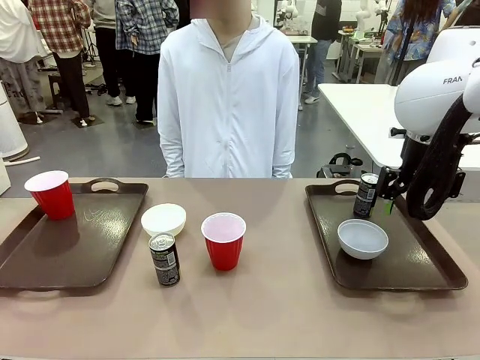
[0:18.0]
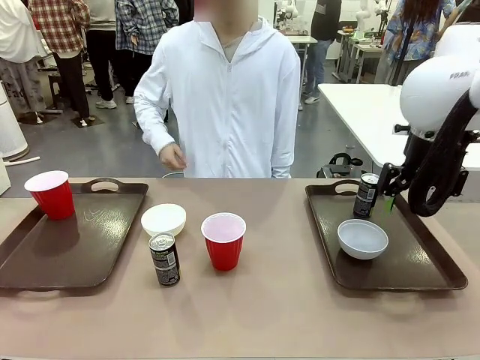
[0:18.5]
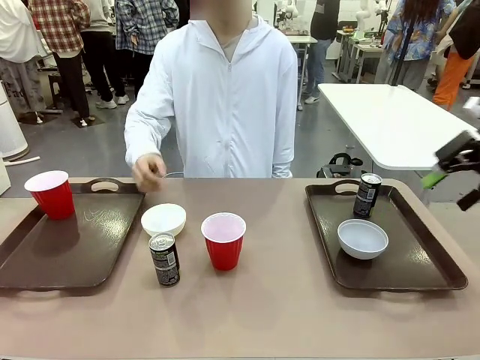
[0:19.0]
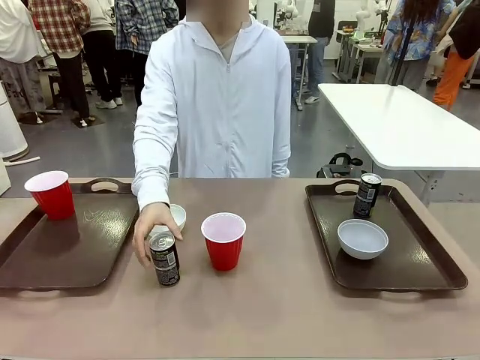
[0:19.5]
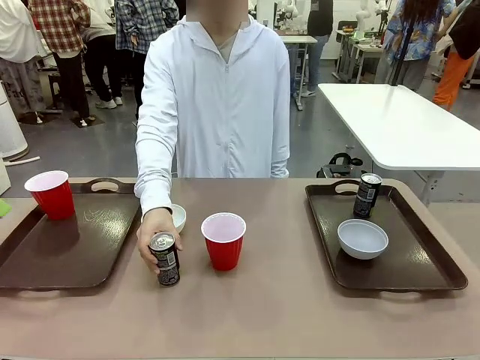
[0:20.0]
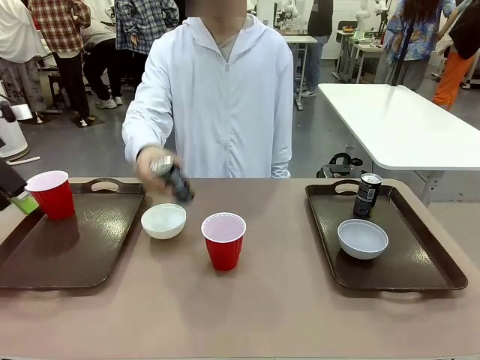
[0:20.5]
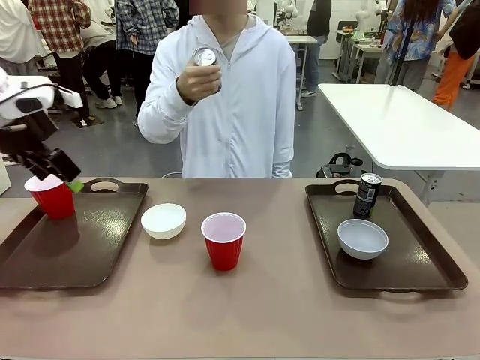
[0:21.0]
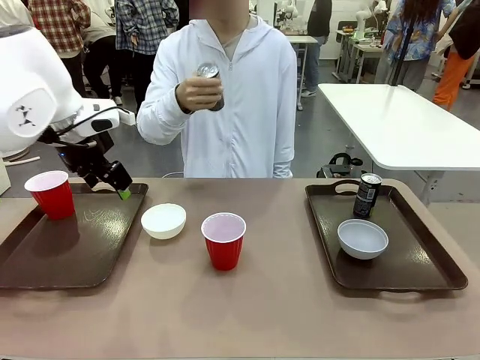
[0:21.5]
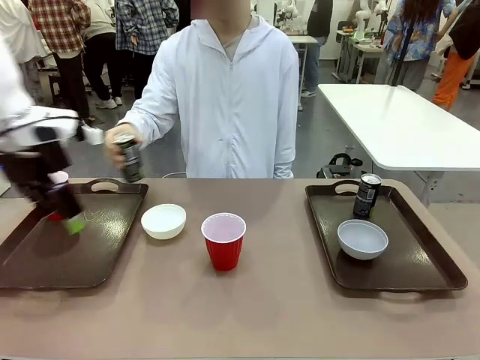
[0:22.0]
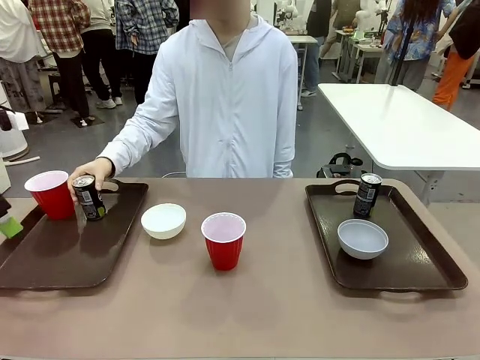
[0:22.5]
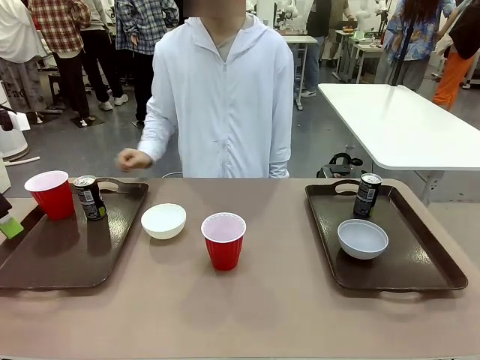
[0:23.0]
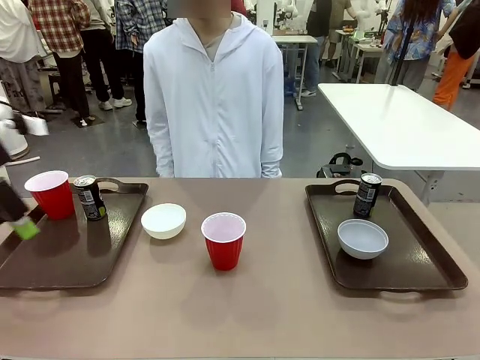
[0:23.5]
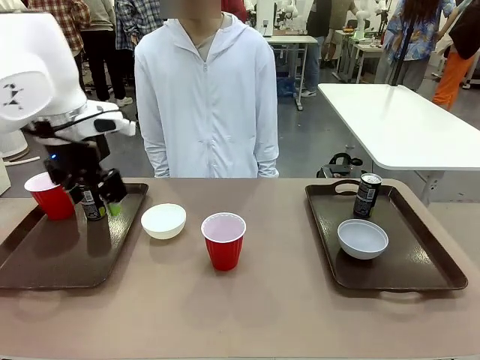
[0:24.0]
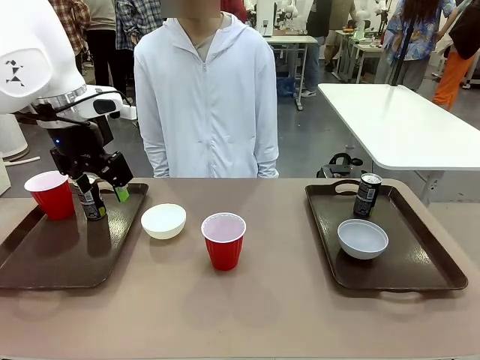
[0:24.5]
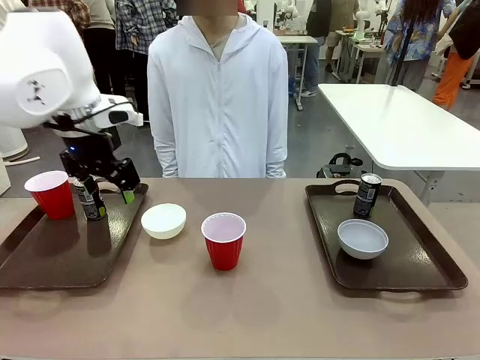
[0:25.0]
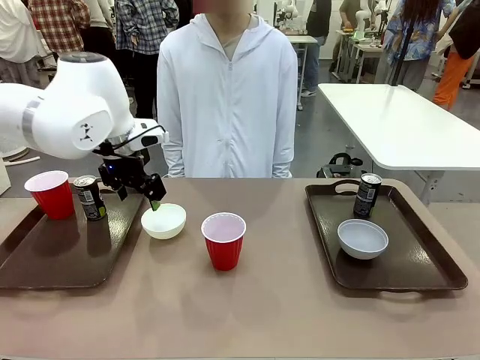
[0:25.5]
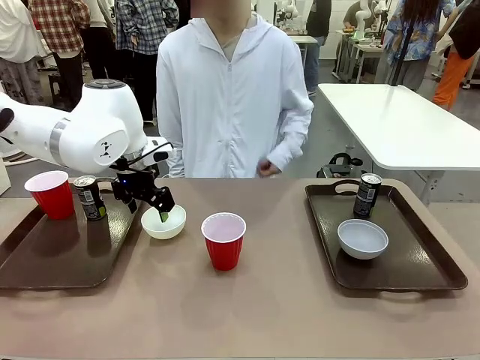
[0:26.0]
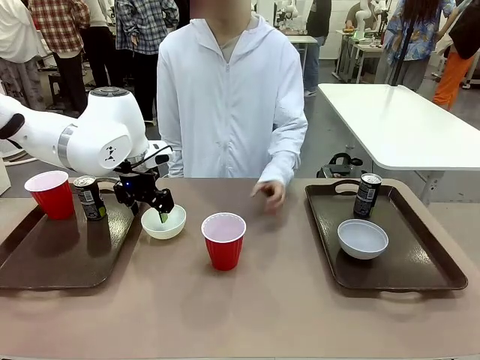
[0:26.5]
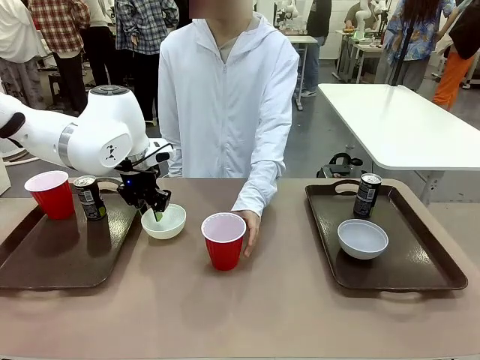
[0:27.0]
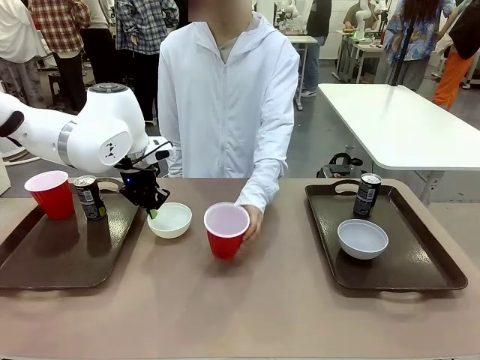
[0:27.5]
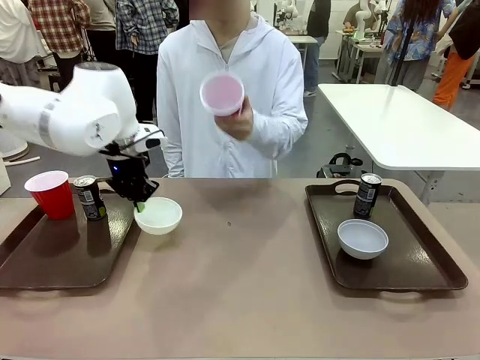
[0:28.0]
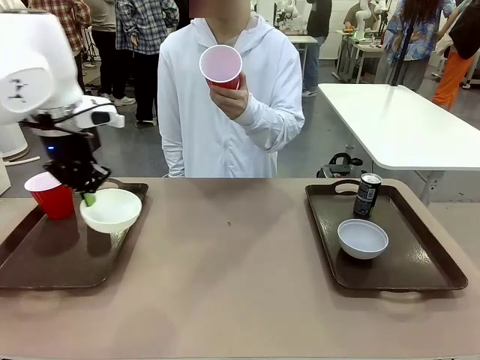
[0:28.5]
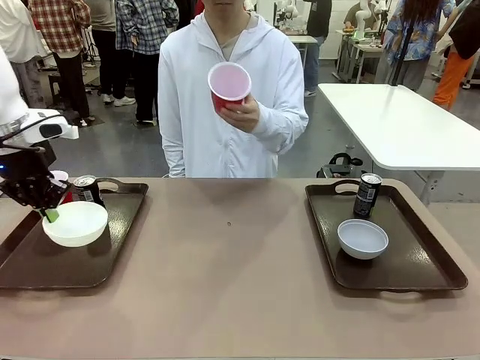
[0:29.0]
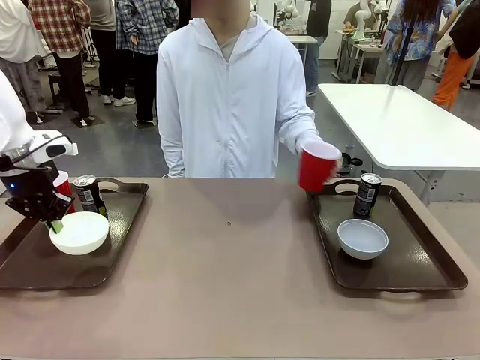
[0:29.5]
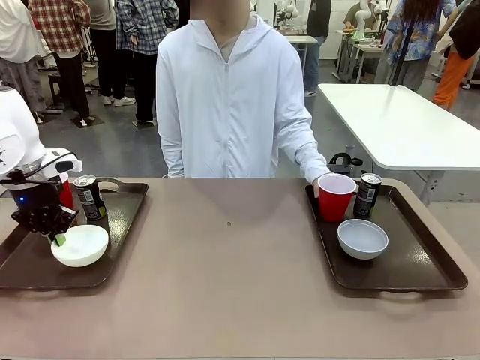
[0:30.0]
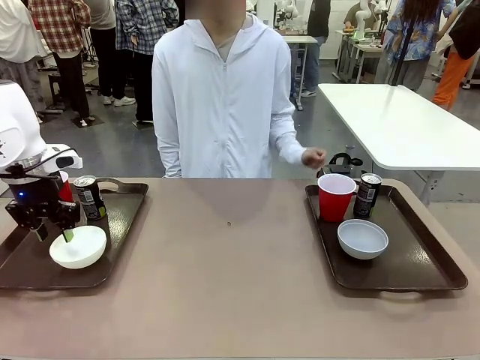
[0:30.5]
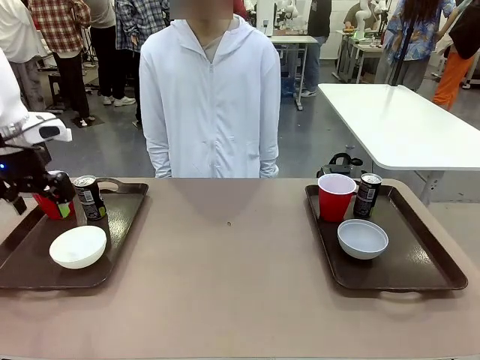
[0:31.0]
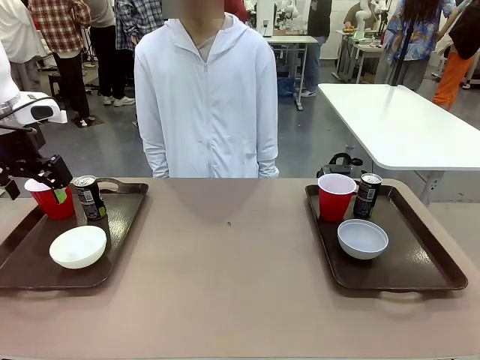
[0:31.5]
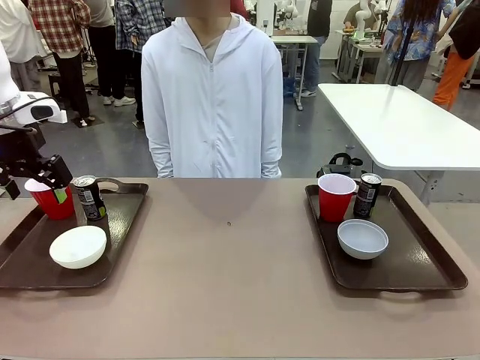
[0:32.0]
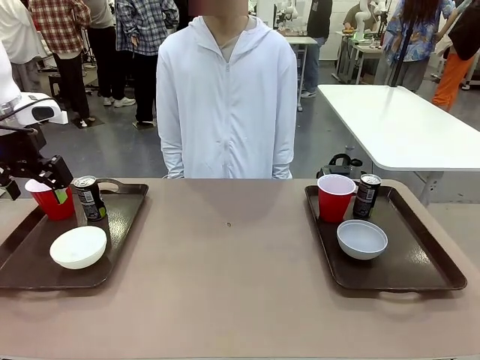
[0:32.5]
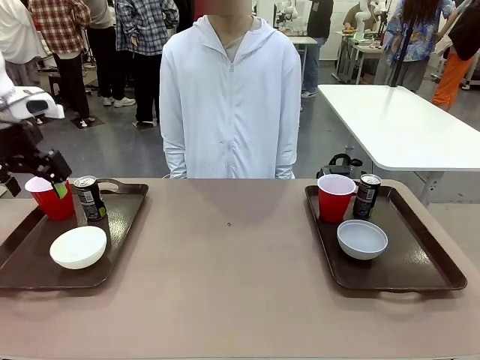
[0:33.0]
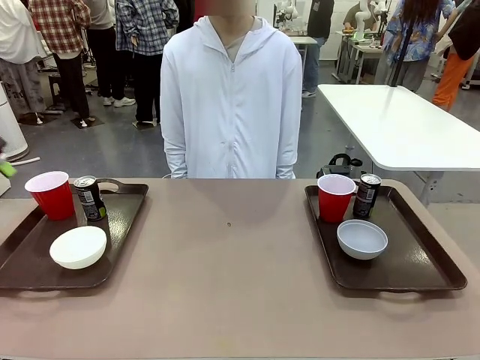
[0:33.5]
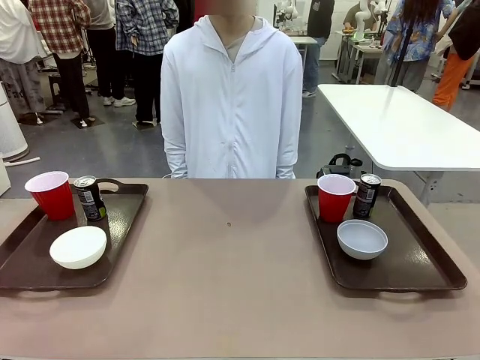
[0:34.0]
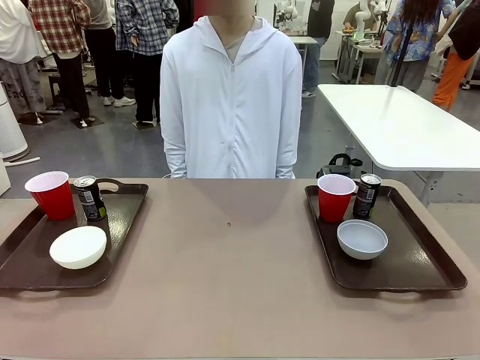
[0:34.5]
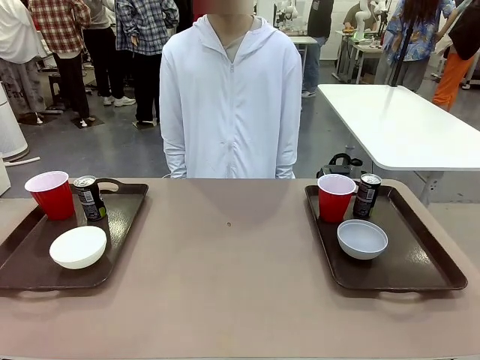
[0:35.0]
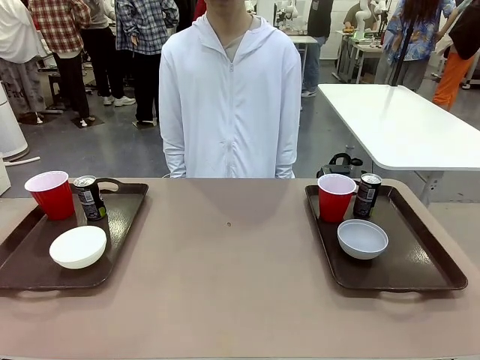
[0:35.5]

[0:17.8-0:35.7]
Task: Prepare tableware on both trays.
Robot: Pick up a Picnic Bowl from the table and place it on a Handle tray.
Person: Pick up a can or cup and place it on the tray without a can or cup.

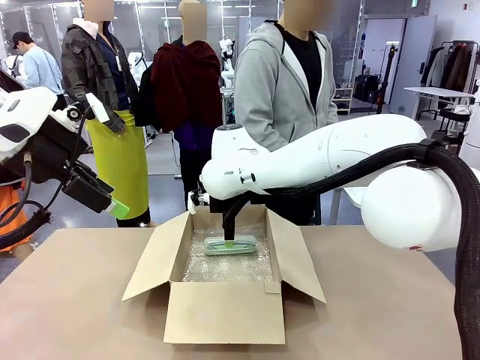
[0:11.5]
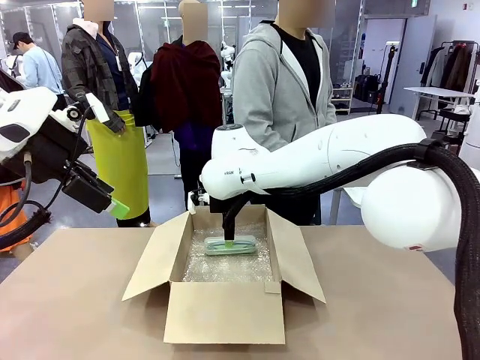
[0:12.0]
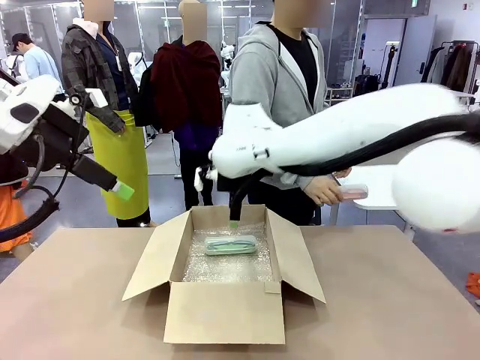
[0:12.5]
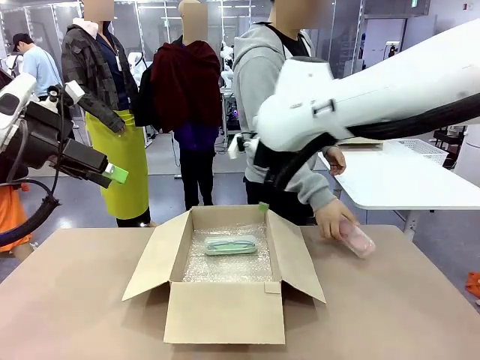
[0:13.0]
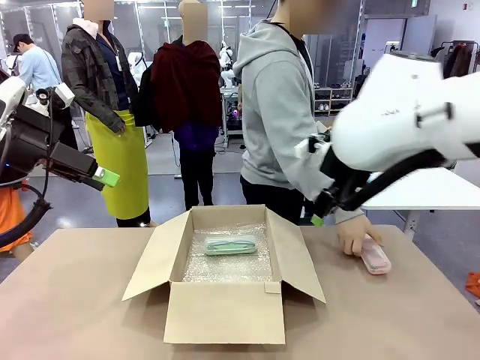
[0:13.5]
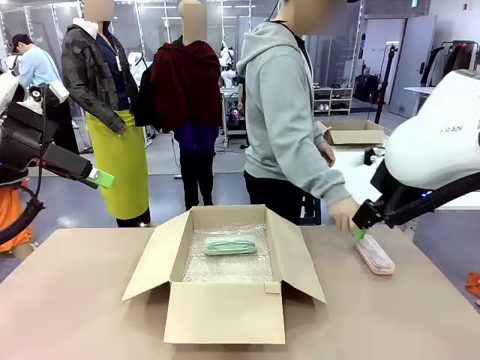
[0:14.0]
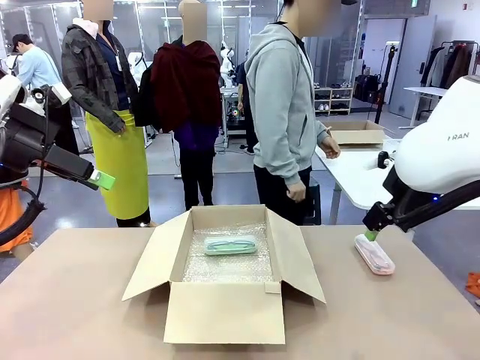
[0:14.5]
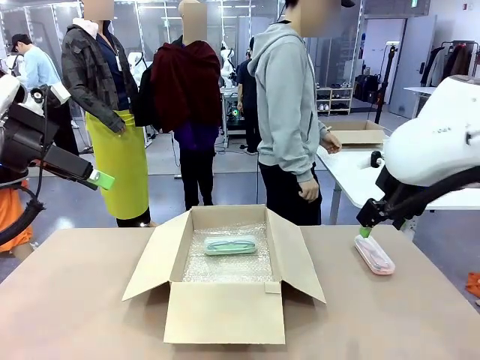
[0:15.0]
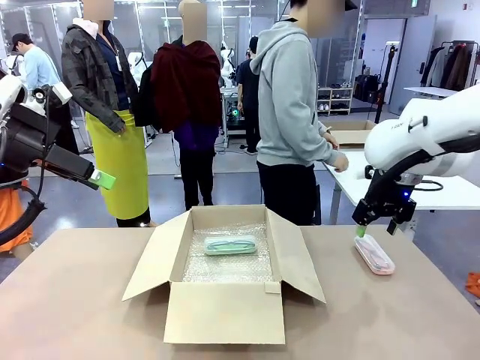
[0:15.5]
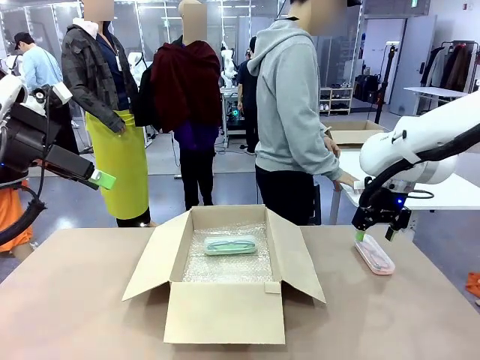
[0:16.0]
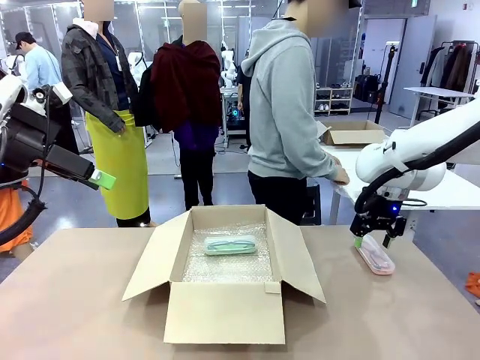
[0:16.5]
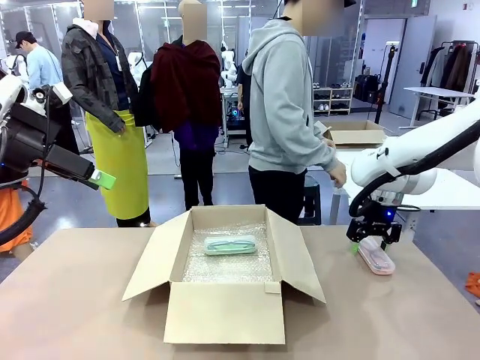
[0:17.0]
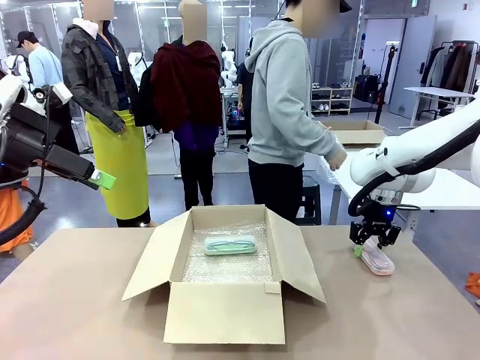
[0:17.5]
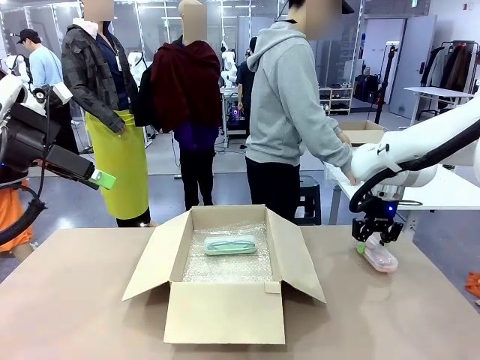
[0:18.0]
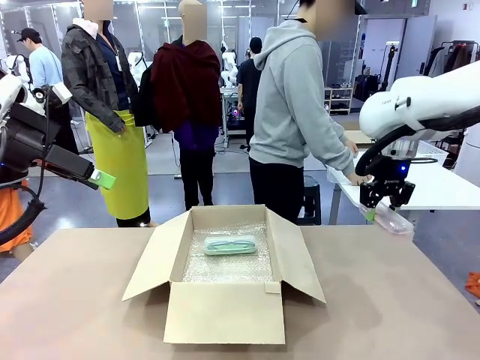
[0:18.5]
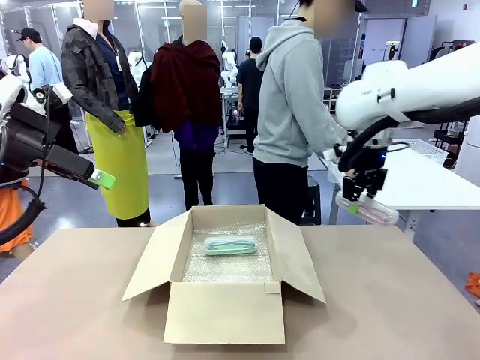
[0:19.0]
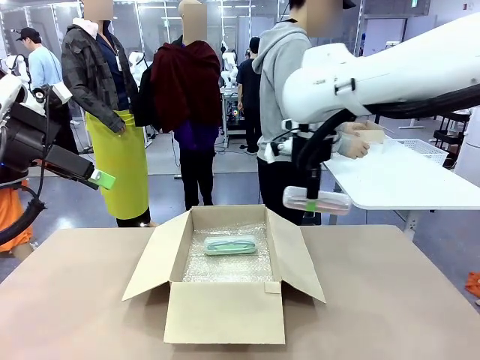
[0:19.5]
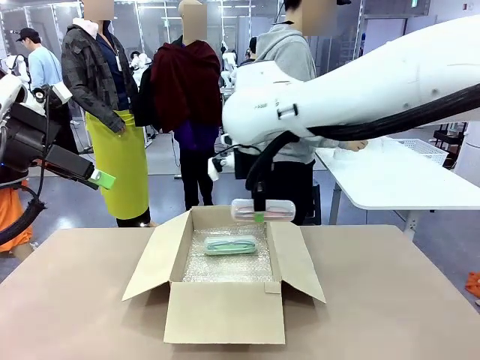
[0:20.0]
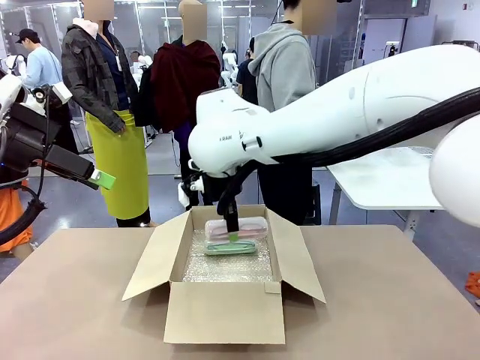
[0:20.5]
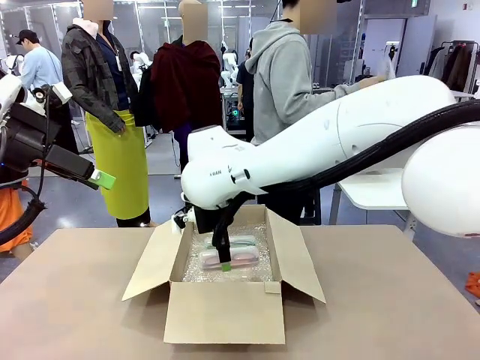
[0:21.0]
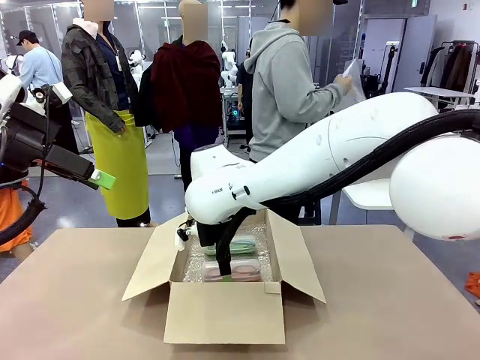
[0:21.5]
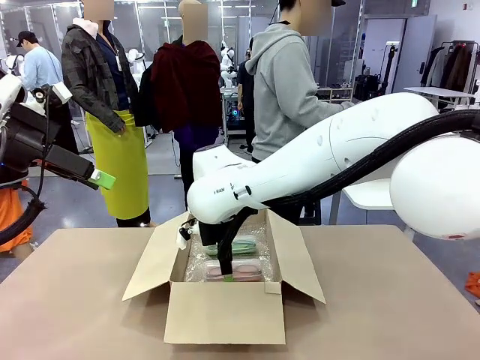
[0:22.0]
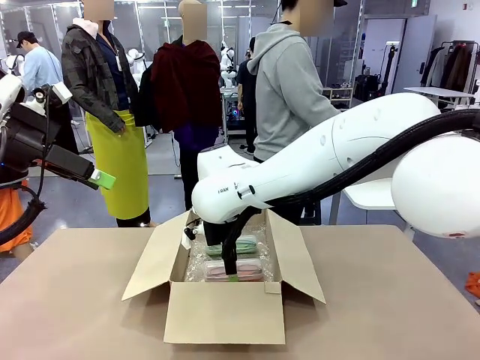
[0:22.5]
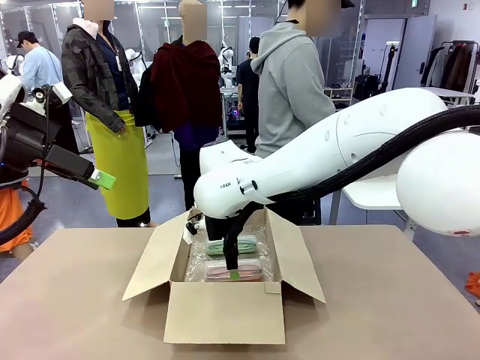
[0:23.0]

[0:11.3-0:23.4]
Task: Pack the glasses set securely to prepare it for shipping.
Robot: Put the Glasses case from the right side of the table into the Package Box.
